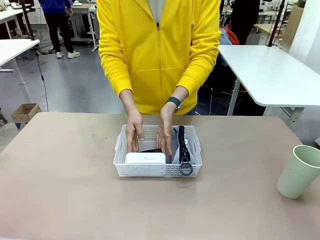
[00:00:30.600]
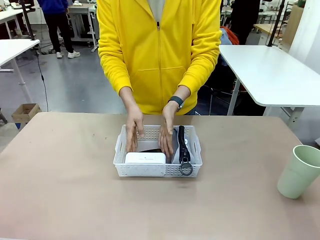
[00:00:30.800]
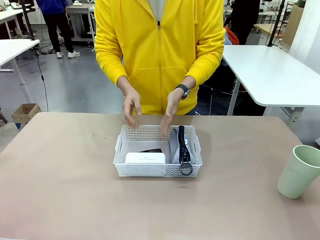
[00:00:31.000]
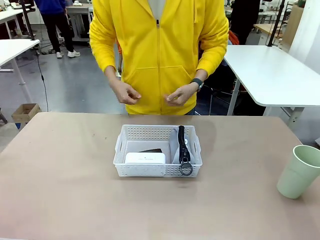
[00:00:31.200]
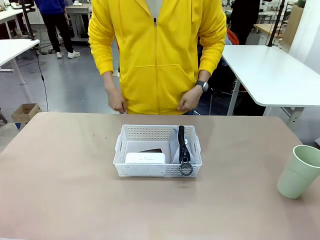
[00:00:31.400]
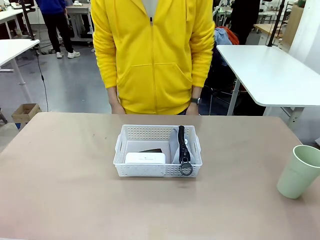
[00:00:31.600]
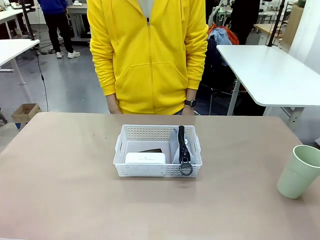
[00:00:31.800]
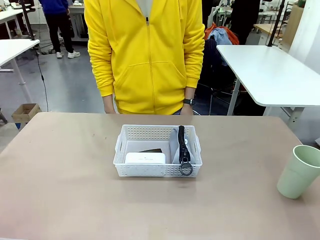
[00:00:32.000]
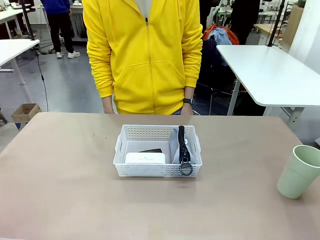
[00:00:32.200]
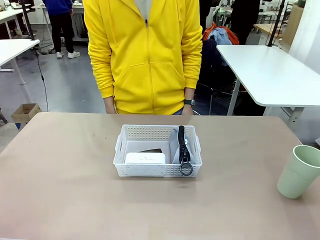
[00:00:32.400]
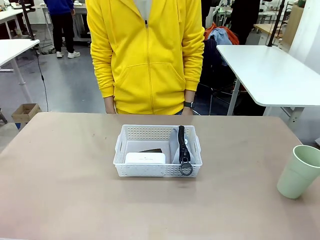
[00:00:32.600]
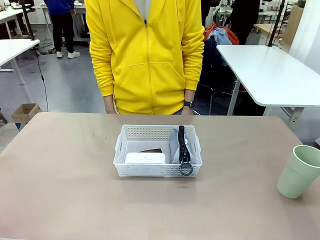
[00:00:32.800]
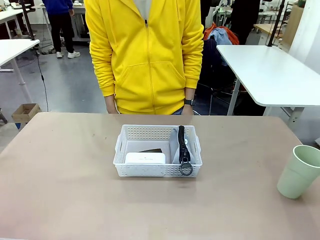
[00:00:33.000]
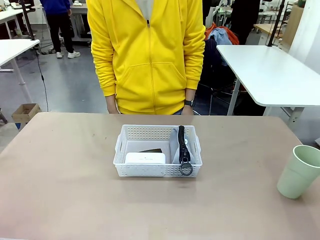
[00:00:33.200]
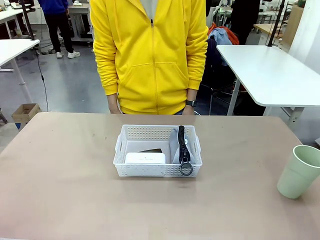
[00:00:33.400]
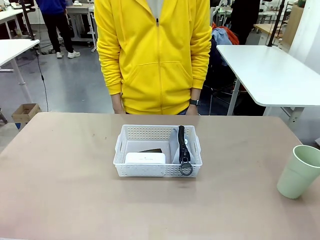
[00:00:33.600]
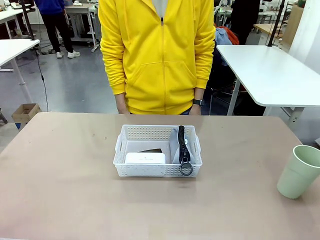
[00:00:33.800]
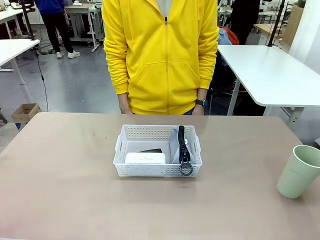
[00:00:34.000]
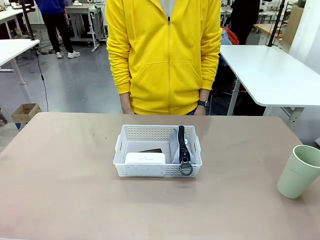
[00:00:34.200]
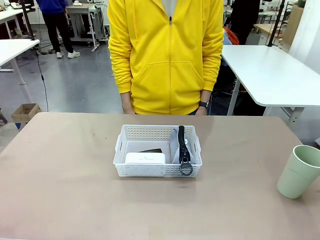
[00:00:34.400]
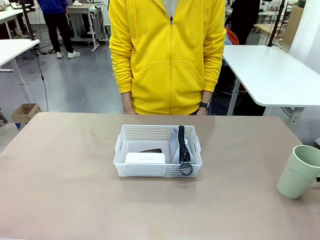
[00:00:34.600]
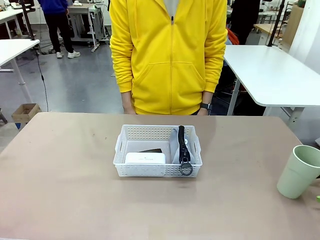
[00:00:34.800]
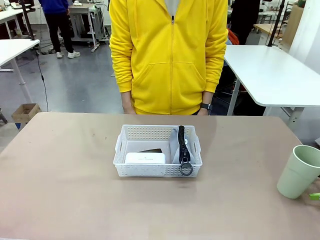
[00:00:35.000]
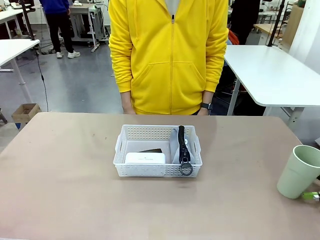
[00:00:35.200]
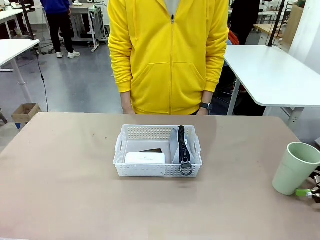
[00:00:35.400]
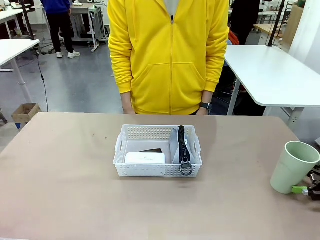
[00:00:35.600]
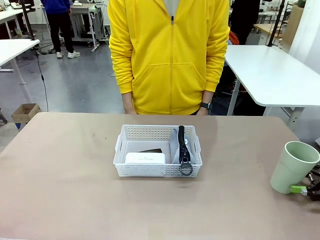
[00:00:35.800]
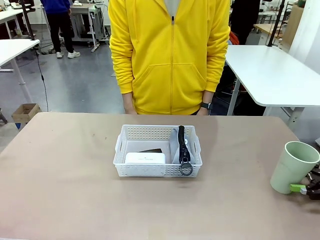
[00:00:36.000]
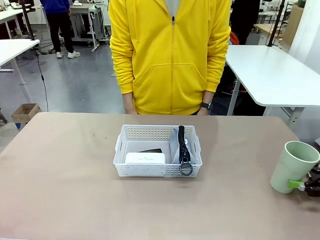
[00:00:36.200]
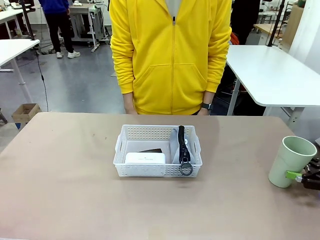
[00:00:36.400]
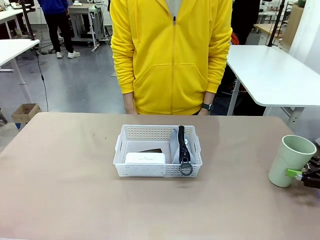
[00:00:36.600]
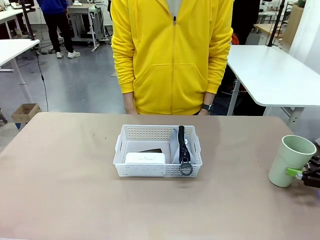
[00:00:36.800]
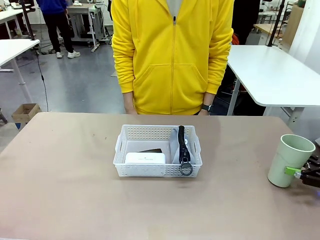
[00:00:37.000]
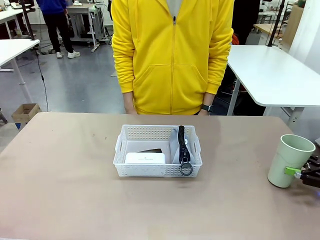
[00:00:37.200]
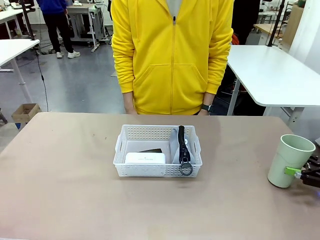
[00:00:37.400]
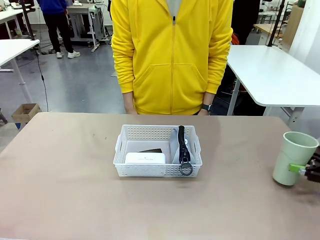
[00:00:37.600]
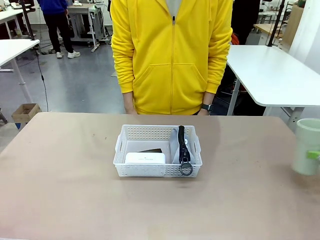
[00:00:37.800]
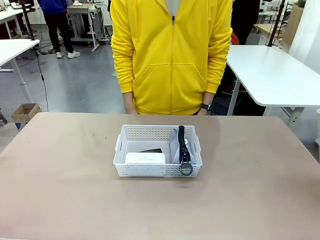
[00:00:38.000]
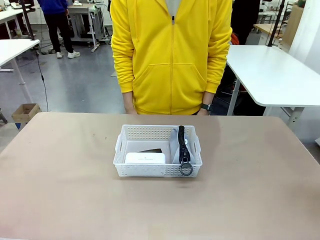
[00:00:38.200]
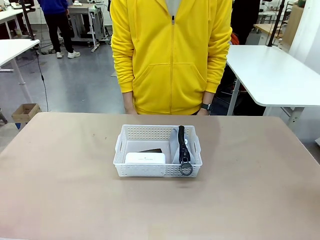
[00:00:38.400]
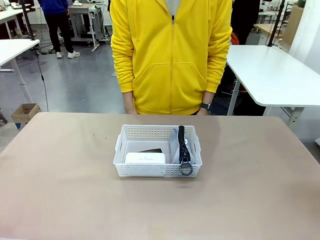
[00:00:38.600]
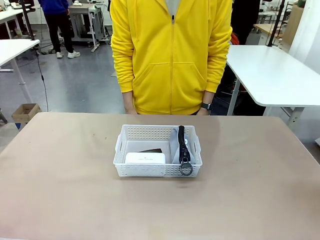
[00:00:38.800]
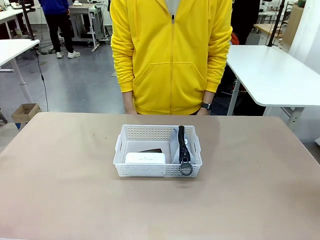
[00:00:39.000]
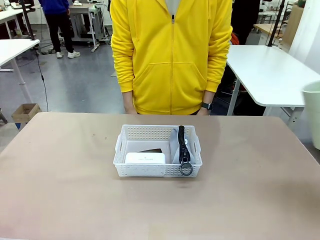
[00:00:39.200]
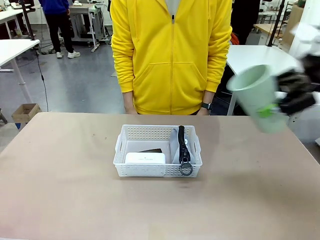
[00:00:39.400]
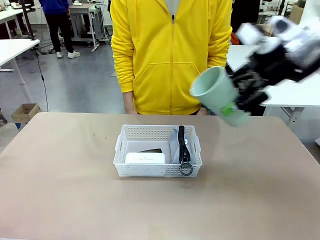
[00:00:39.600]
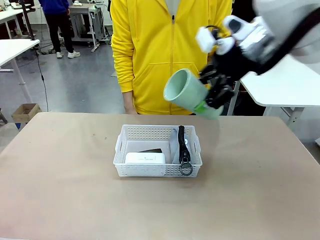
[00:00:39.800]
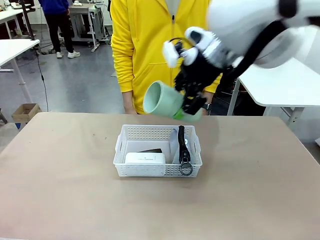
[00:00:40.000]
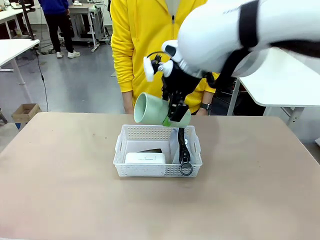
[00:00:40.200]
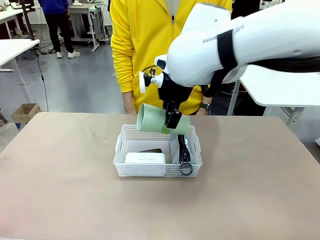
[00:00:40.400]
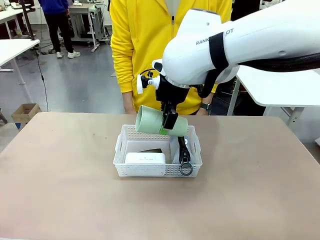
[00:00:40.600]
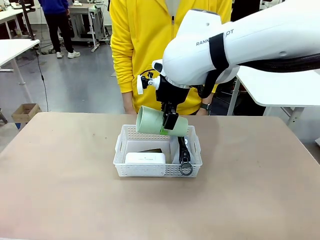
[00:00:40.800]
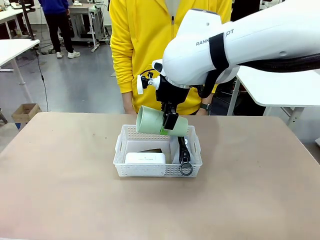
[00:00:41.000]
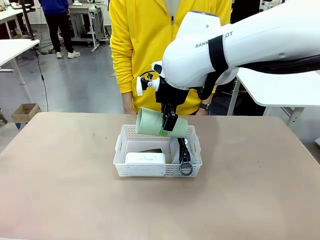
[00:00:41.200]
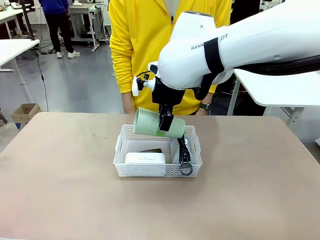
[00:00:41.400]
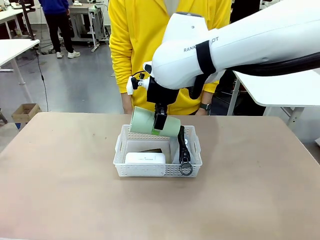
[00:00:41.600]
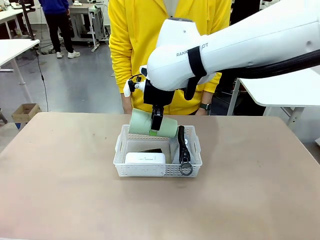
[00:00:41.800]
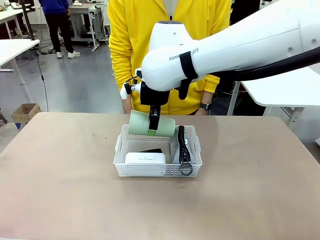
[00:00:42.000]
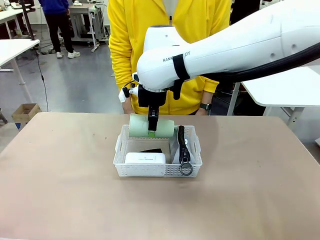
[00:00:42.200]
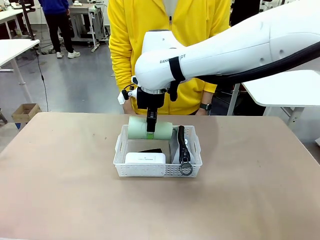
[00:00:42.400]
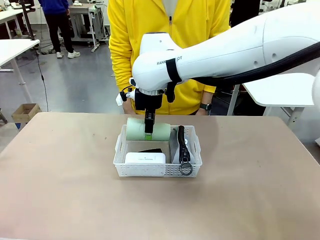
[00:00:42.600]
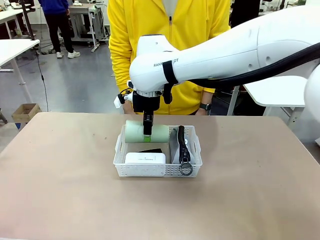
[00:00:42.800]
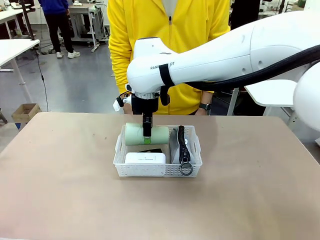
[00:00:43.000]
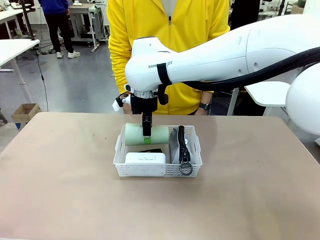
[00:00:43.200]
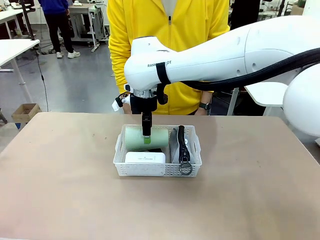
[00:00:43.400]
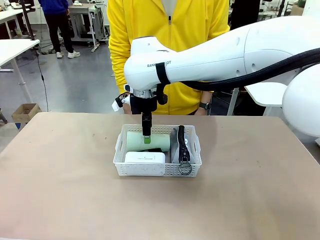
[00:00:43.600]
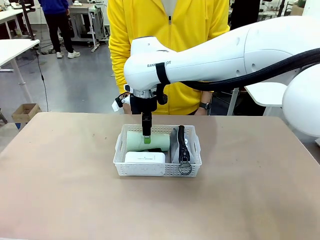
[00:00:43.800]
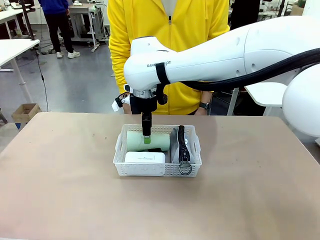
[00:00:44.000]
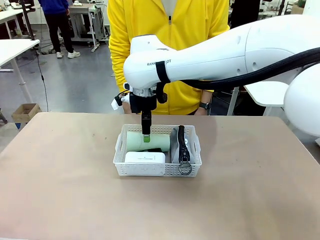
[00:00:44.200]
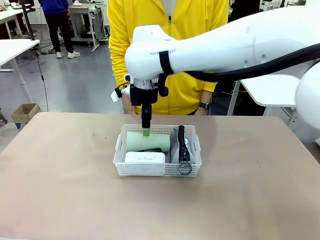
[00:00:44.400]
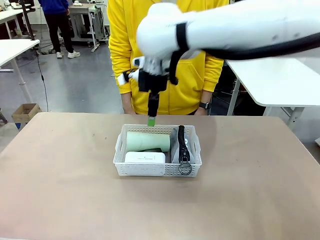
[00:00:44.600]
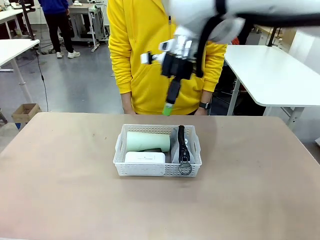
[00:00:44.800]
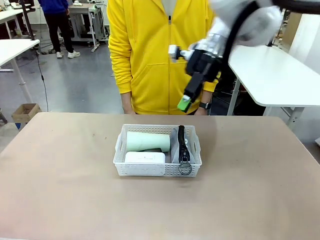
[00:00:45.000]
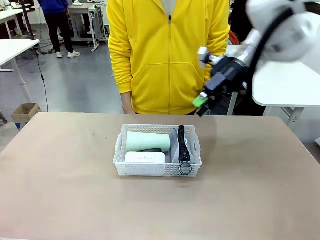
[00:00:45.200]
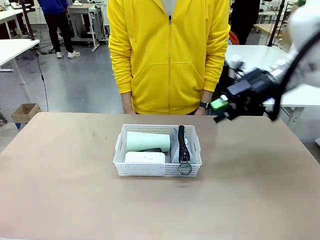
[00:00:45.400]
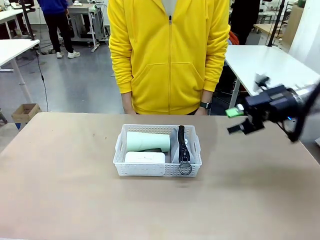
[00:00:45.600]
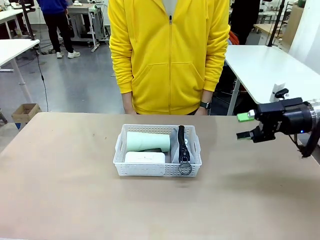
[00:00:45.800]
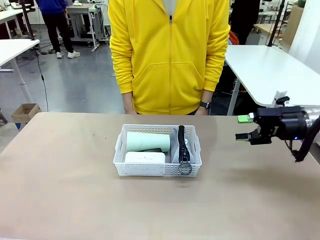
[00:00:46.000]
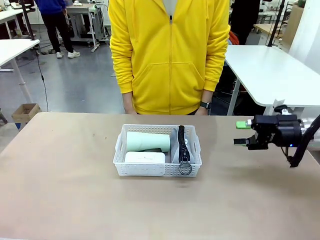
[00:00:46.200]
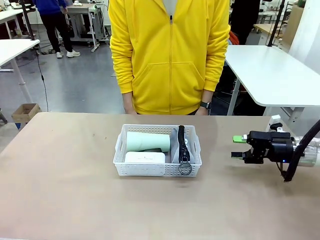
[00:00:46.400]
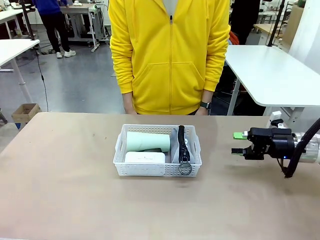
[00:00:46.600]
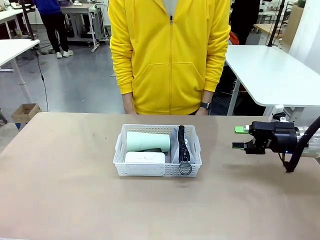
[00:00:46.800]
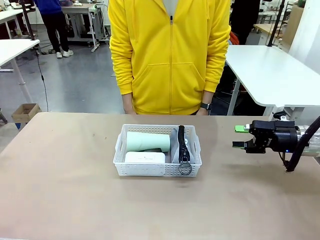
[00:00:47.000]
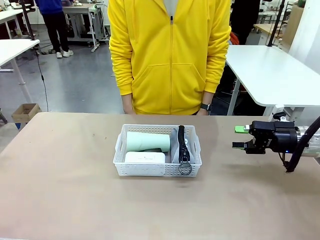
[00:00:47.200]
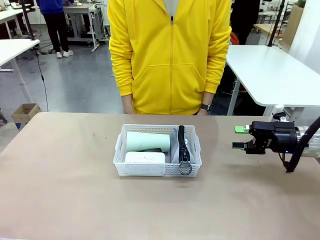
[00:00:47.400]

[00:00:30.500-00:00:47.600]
Task: Efficiently arrange items inside the basket to fit them all.
Robot: Pick up the Reusable plastic cup and place it inside the Organizing basket.
Person: Repositions the stapler.
